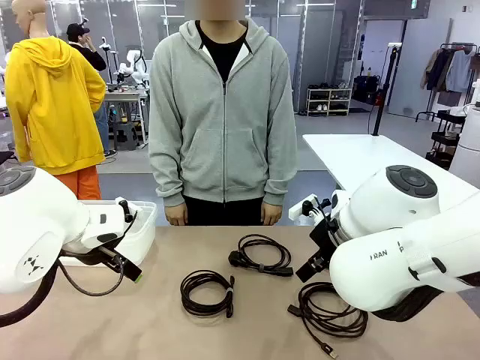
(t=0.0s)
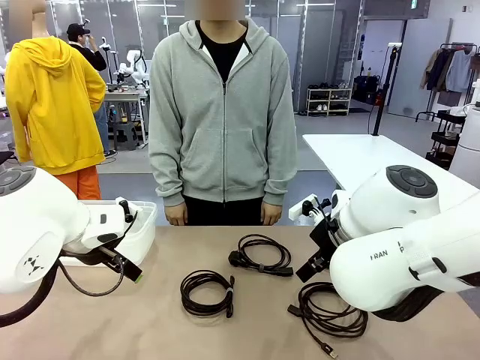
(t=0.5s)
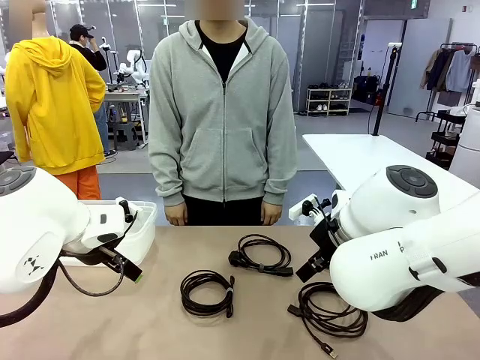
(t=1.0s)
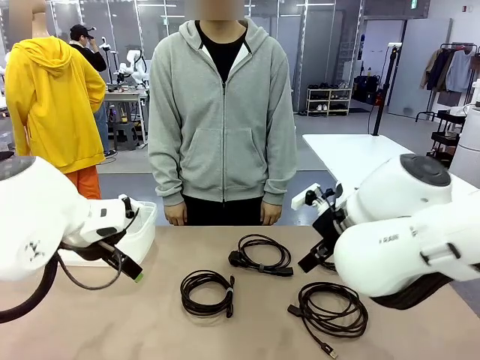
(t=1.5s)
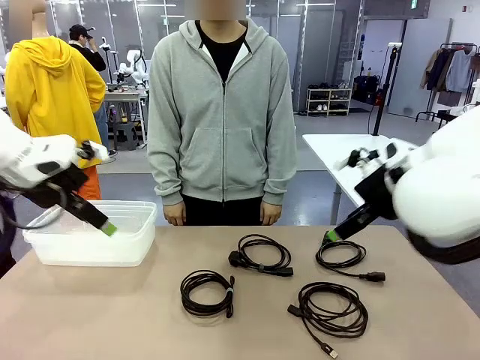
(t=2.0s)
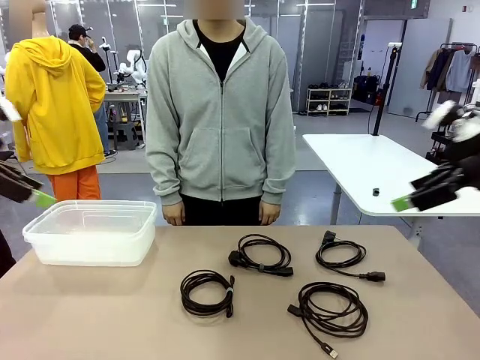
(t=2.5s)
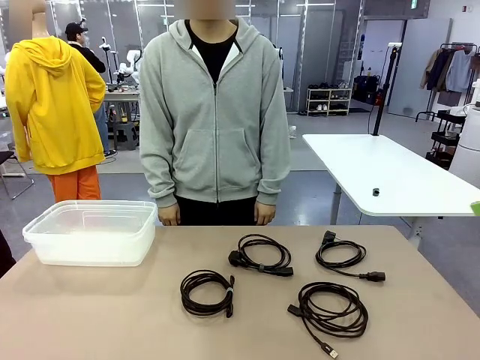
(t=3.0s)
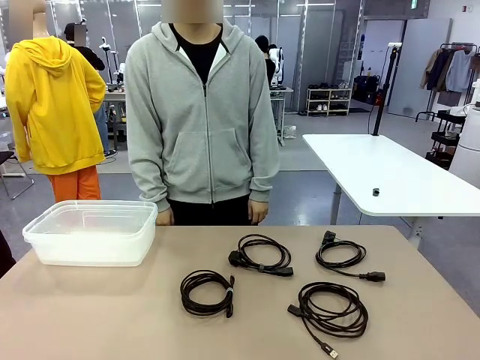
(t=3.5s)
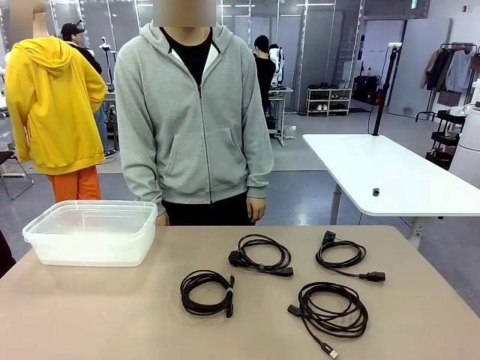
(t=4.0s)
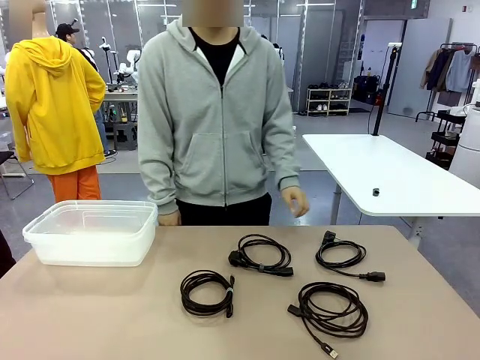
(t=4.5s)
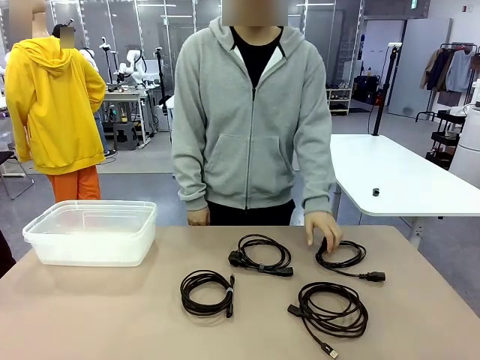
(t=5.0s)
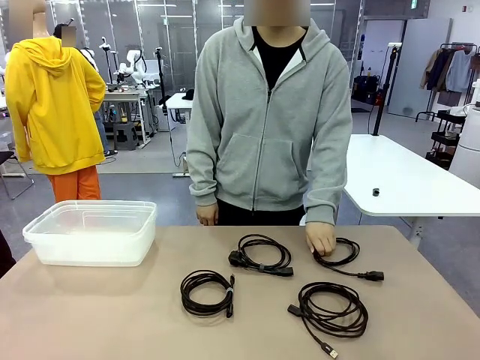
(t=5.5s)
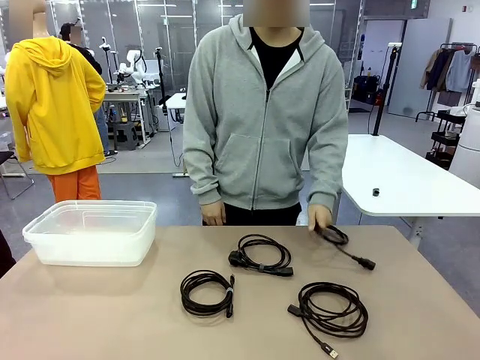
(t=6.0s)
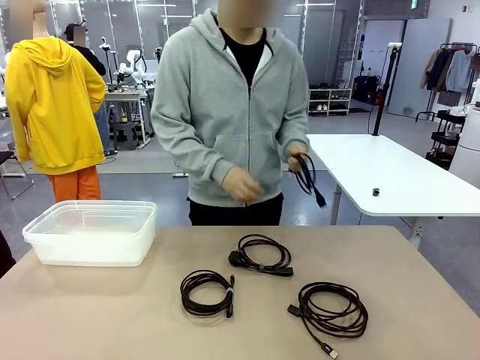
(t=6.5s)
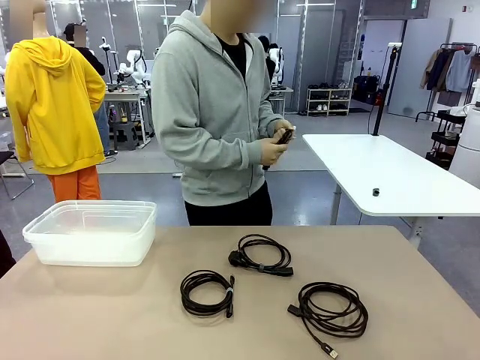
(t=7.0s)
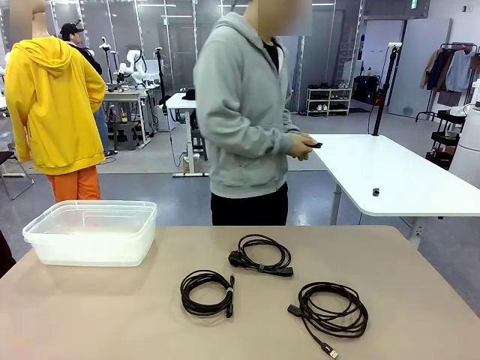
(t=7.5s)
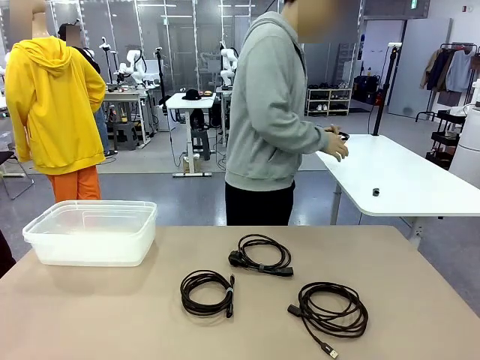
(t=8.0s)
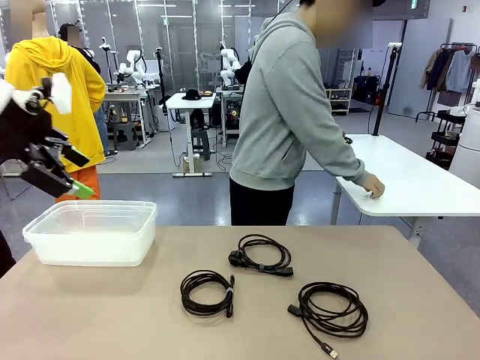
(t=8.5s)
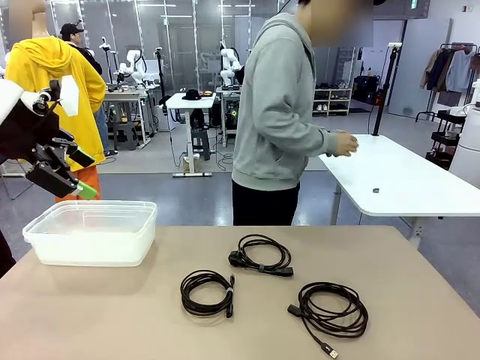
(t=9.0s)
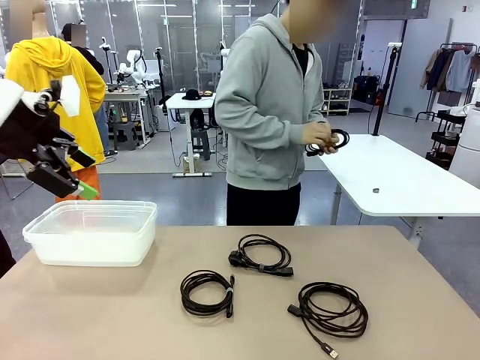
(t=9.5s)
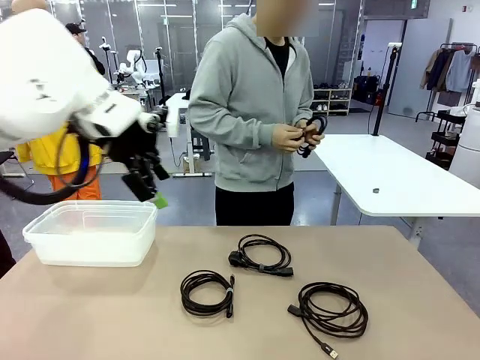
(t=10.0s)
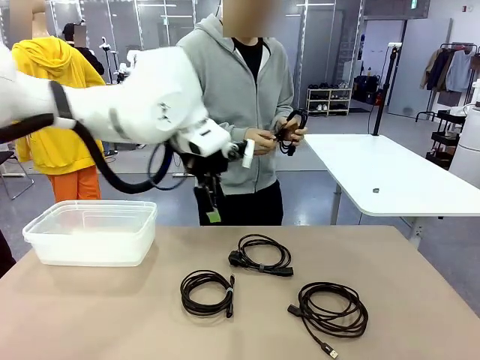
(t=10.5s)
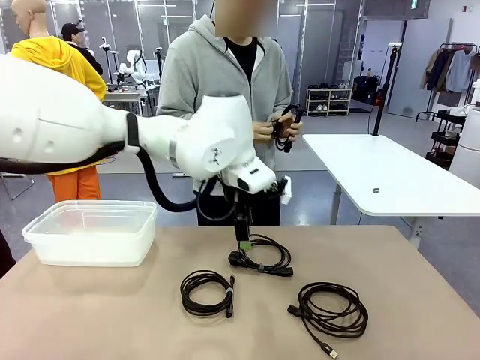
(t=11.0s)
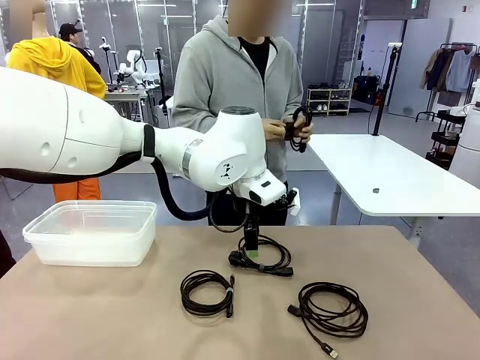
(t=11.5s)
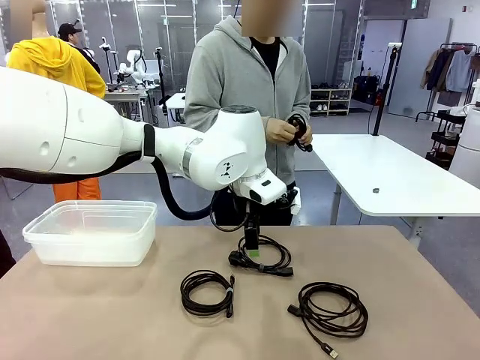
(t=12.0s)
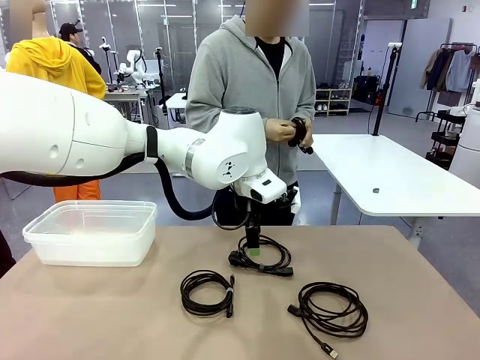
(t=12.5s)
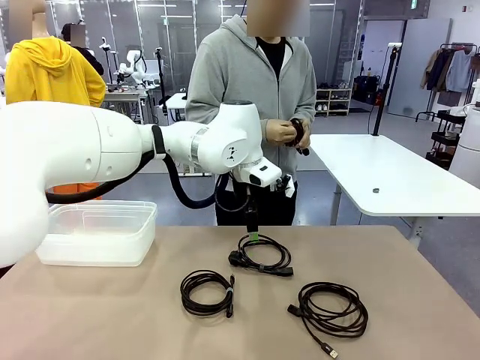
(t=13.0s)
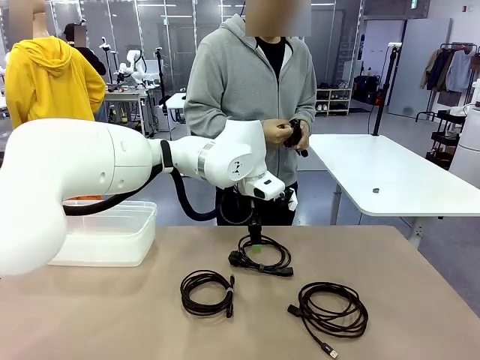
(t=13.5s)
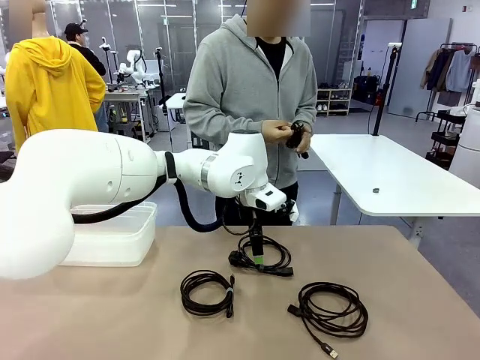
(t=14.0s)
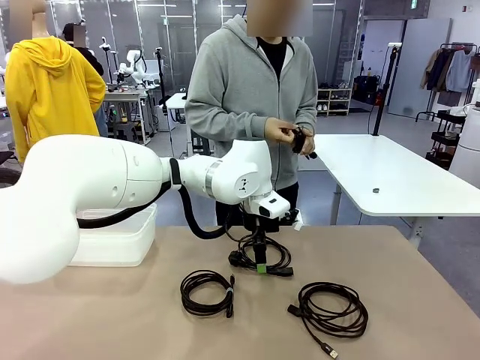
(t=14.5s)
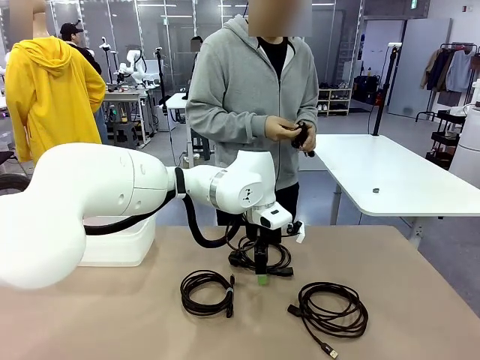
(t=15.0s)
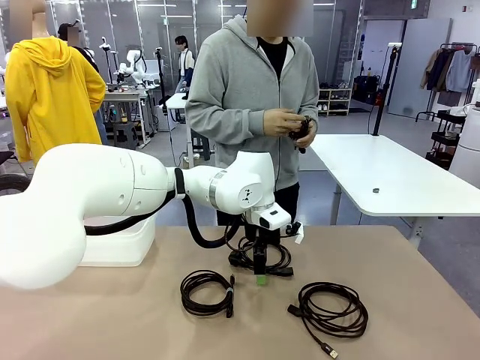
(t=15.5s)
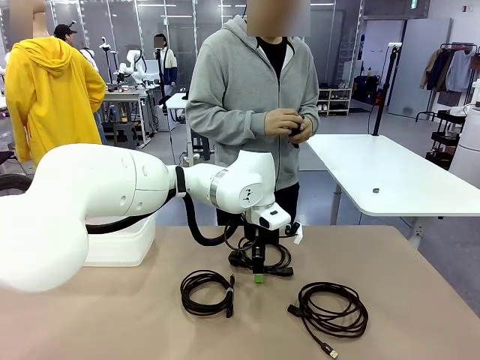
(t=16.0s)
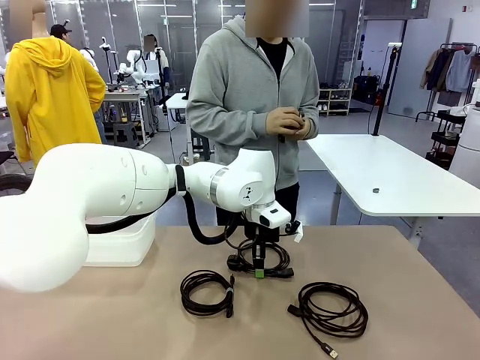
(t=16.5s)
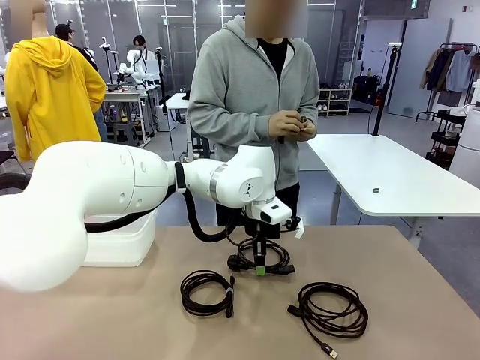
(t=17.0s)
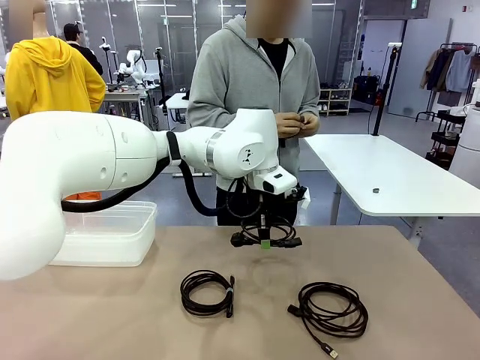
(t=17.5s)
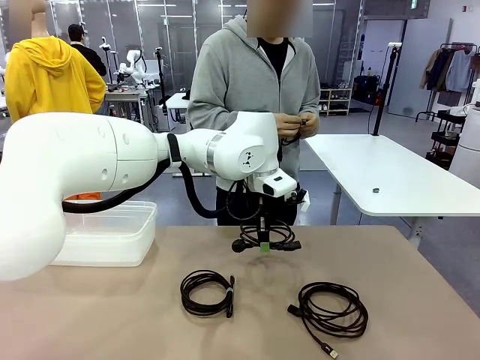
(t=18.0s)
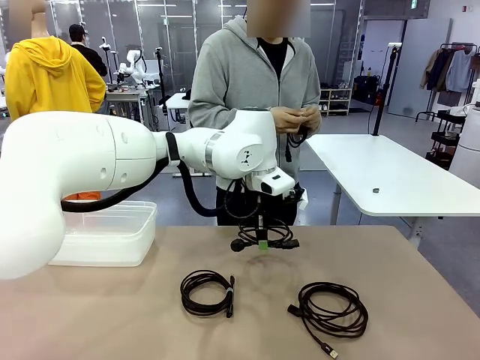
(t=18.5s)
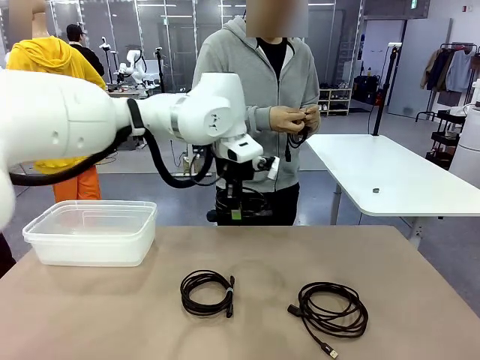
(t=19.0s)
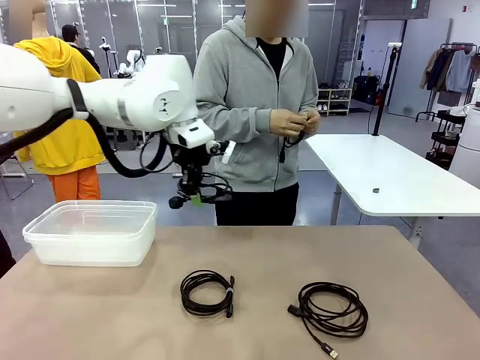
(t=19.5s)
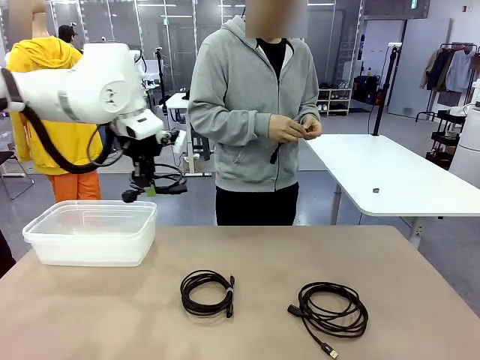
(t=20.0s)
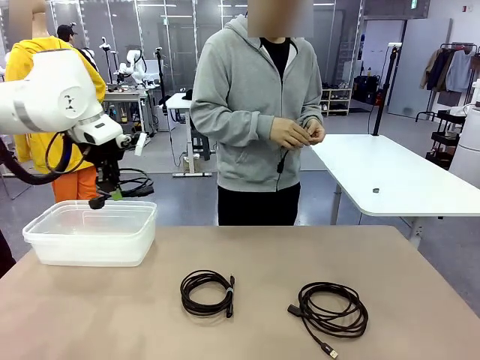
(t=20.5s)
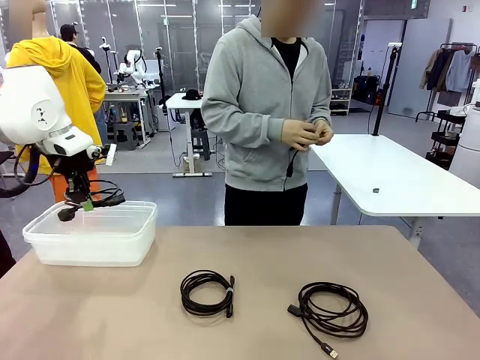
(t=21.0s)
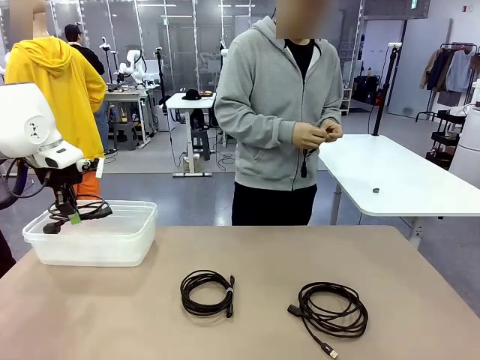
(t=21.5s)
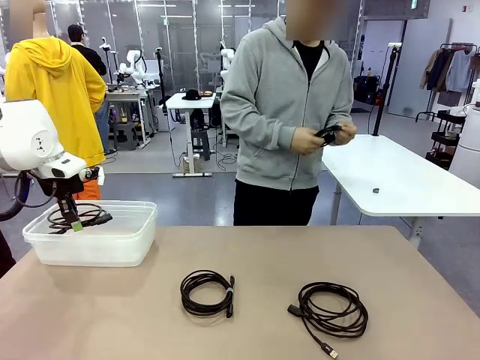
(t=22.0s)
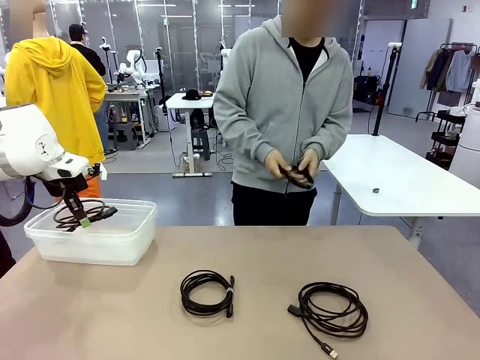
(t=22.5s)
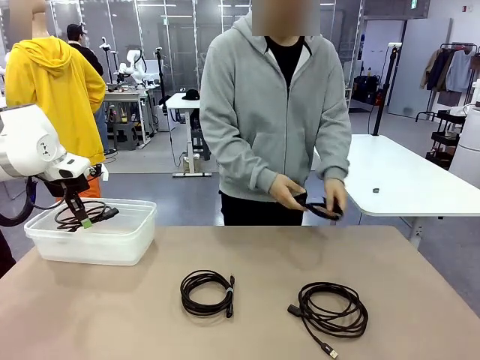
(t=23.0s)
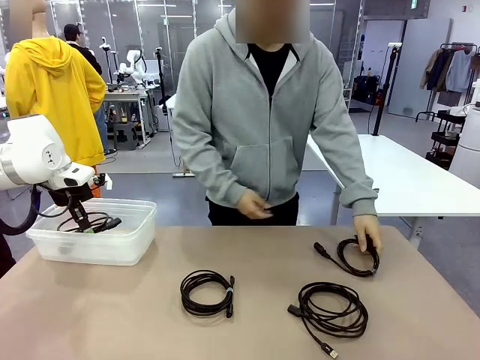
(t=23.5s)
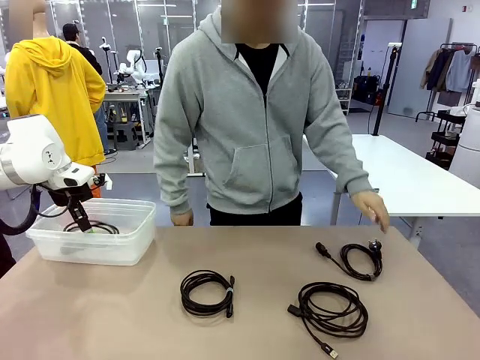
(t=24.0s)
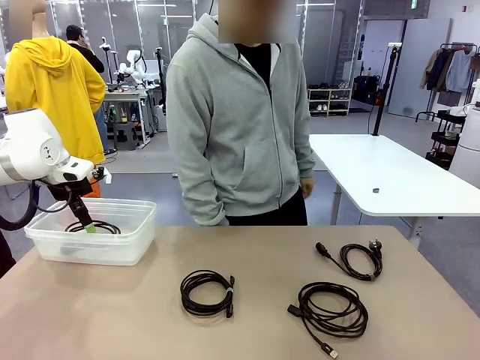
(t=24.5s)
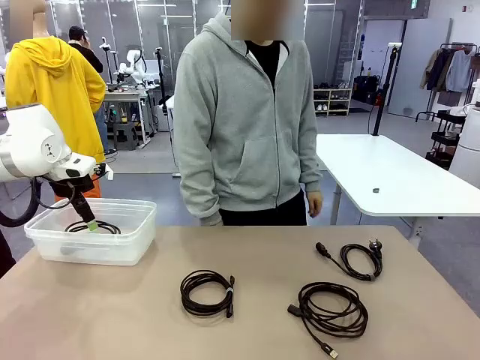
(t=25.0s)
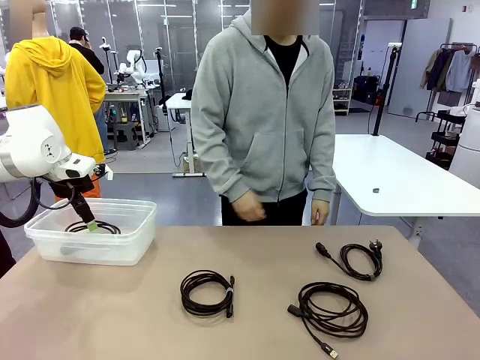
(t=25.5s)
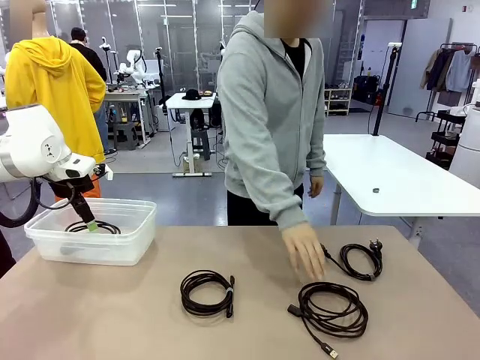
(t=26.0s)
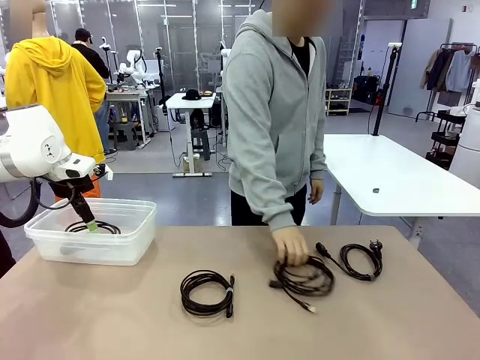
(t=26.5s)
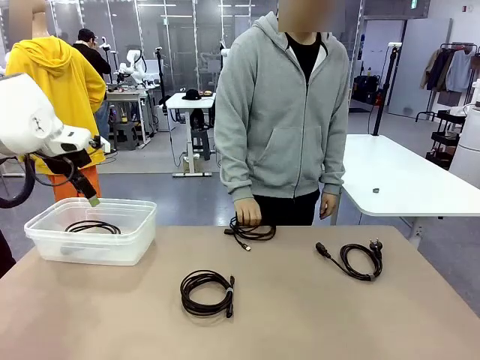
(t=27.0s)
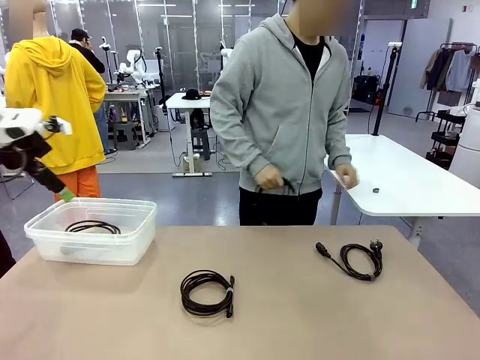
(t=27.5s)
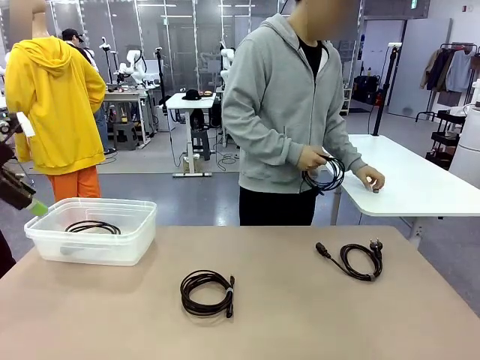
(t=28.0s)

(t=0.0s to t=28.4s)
Task: Organize and store the cables.
Robot: Place the Power Cable into the Organizing box.
Person: Tie one Power Cable with a Reusable Cable Tie.
